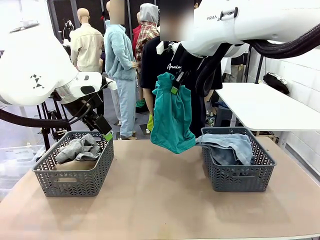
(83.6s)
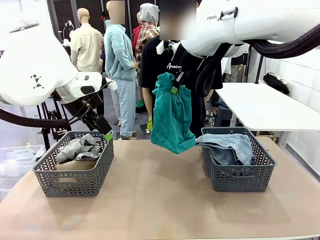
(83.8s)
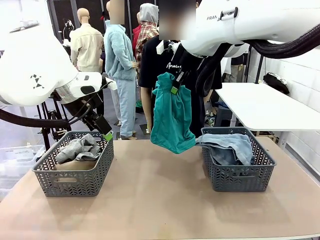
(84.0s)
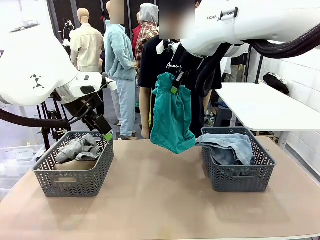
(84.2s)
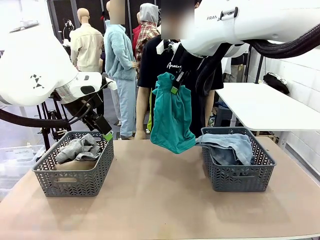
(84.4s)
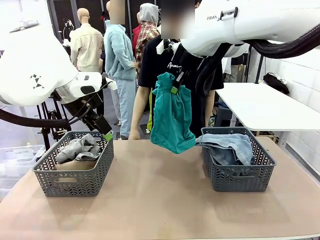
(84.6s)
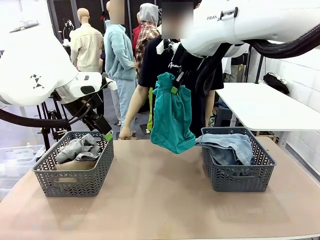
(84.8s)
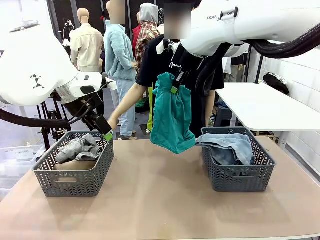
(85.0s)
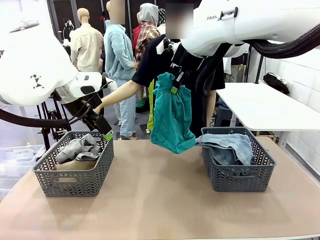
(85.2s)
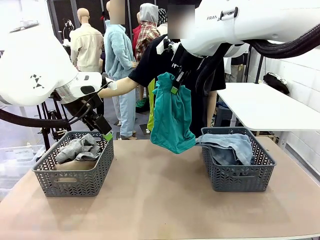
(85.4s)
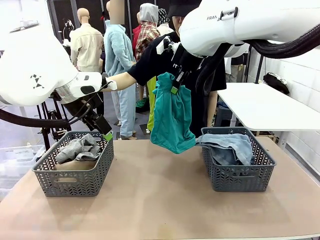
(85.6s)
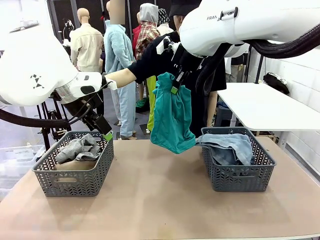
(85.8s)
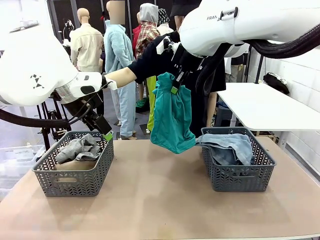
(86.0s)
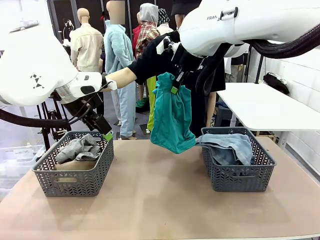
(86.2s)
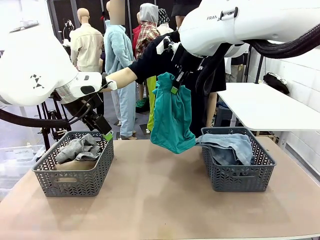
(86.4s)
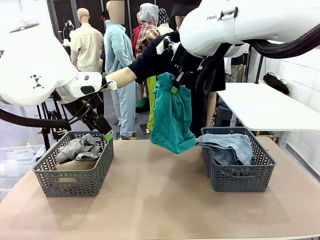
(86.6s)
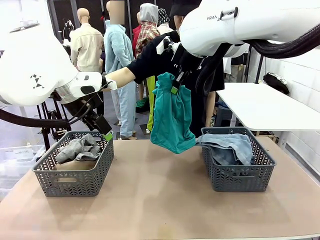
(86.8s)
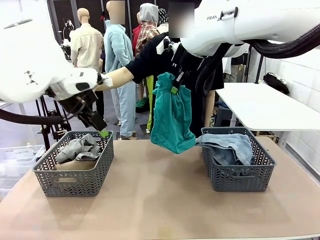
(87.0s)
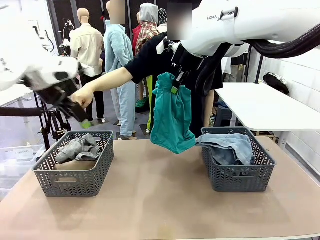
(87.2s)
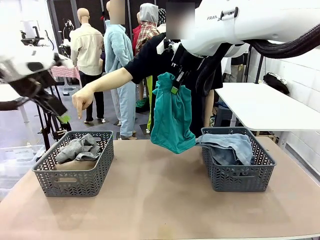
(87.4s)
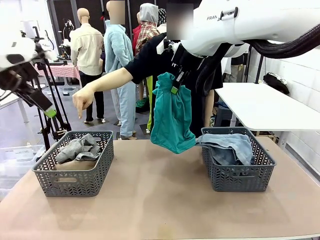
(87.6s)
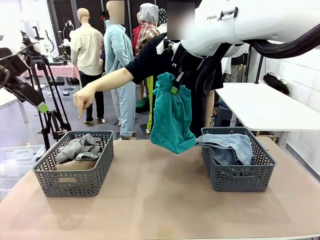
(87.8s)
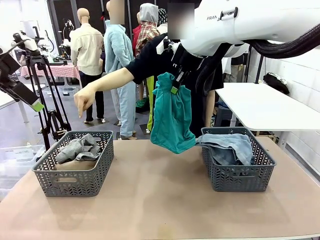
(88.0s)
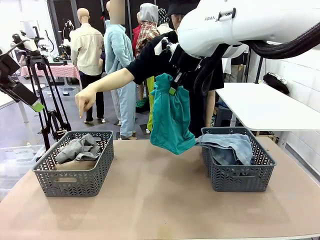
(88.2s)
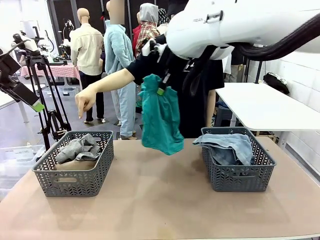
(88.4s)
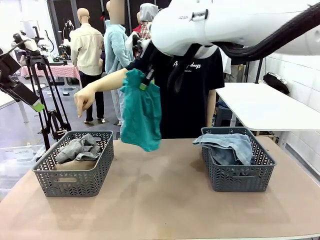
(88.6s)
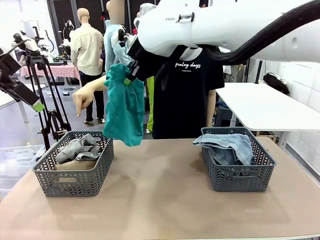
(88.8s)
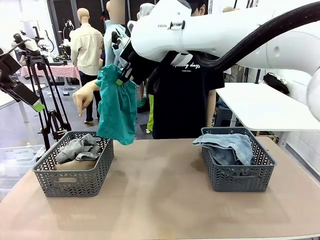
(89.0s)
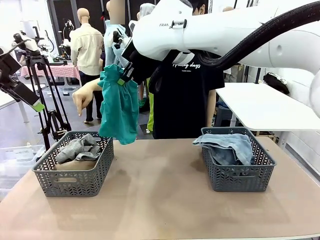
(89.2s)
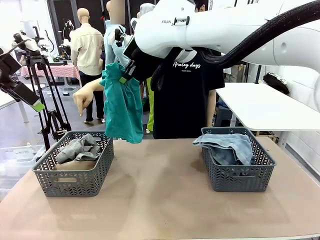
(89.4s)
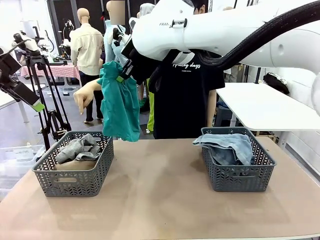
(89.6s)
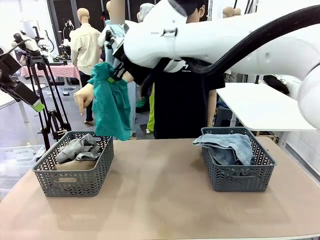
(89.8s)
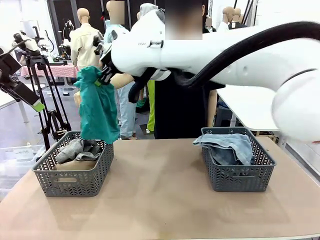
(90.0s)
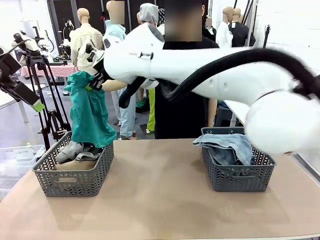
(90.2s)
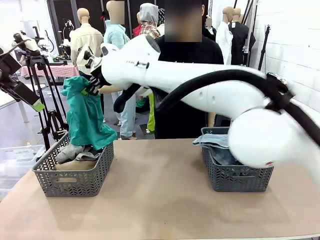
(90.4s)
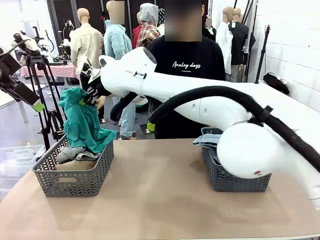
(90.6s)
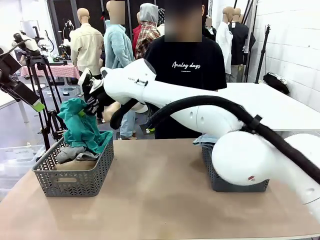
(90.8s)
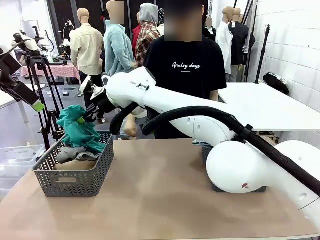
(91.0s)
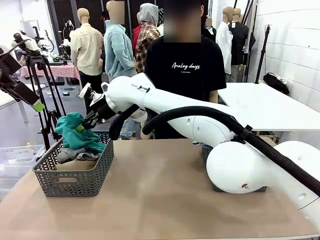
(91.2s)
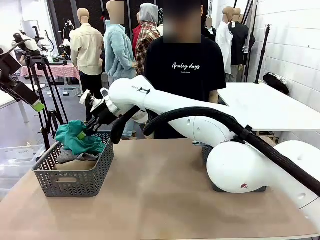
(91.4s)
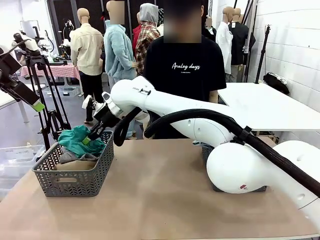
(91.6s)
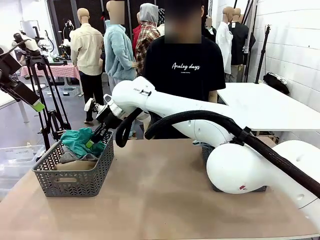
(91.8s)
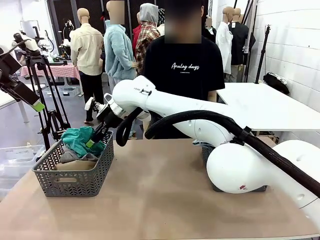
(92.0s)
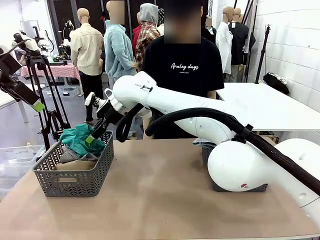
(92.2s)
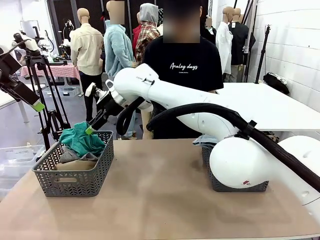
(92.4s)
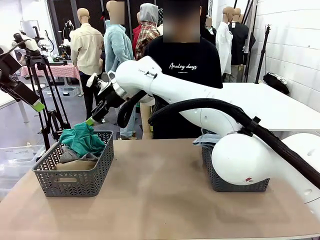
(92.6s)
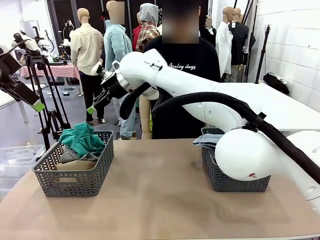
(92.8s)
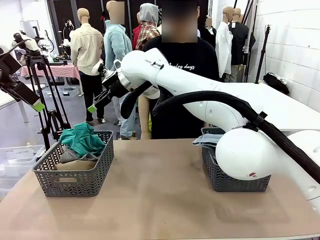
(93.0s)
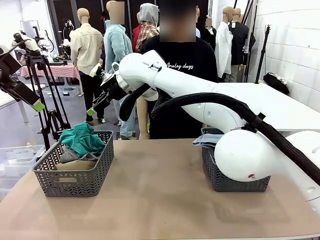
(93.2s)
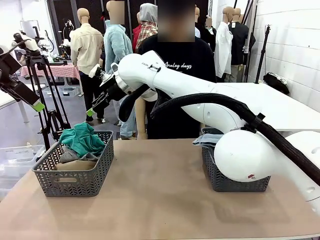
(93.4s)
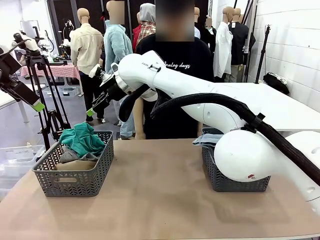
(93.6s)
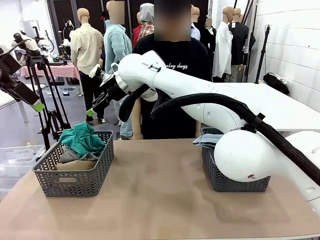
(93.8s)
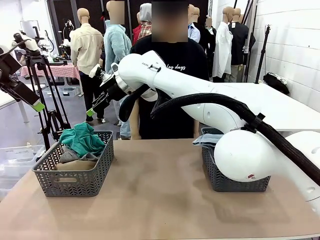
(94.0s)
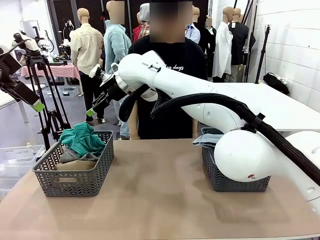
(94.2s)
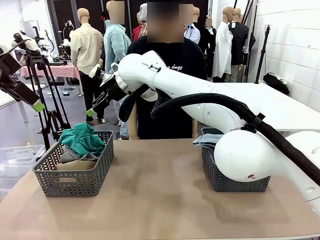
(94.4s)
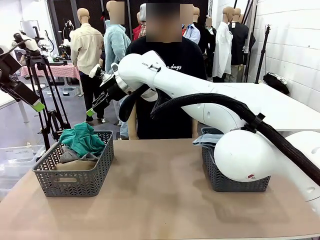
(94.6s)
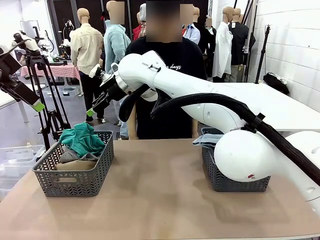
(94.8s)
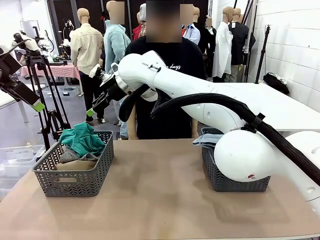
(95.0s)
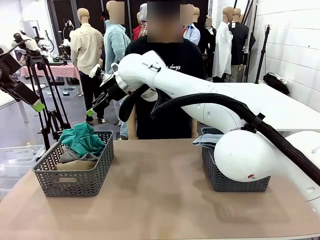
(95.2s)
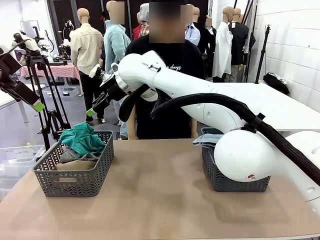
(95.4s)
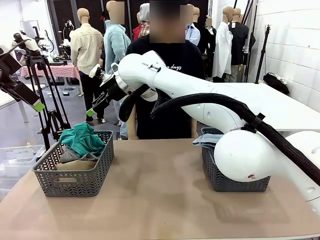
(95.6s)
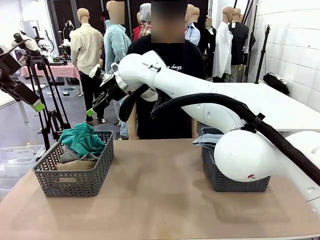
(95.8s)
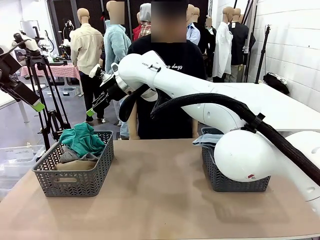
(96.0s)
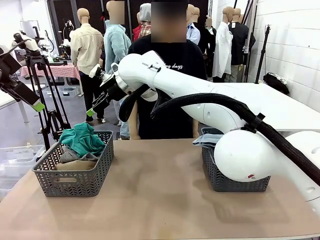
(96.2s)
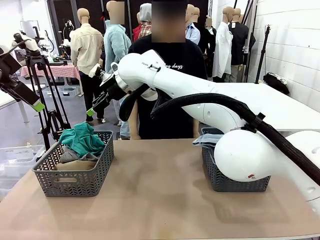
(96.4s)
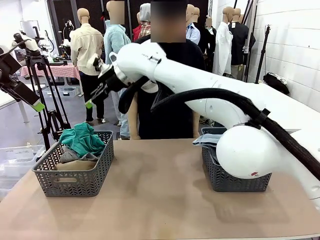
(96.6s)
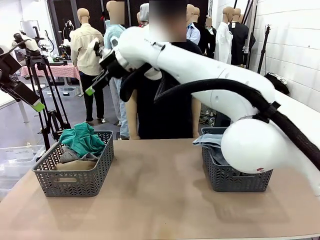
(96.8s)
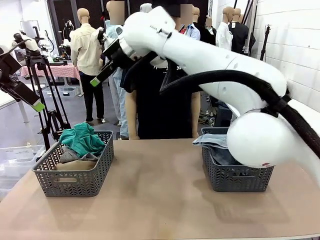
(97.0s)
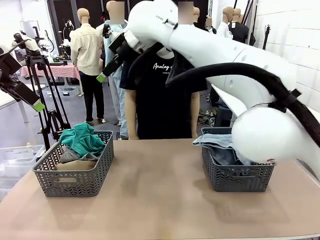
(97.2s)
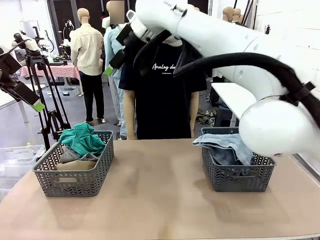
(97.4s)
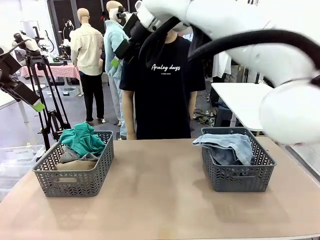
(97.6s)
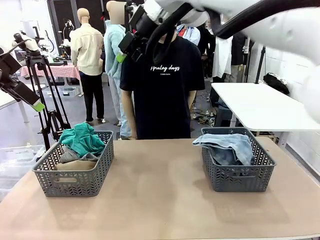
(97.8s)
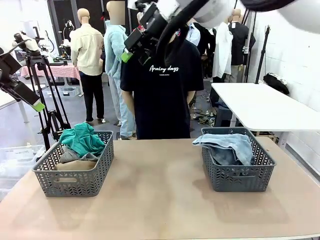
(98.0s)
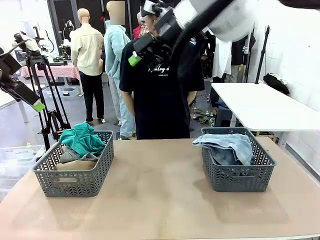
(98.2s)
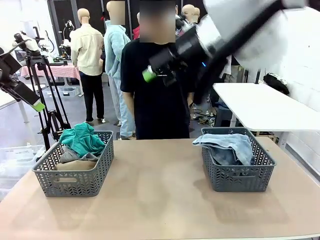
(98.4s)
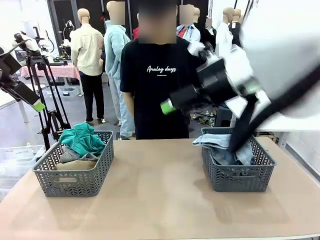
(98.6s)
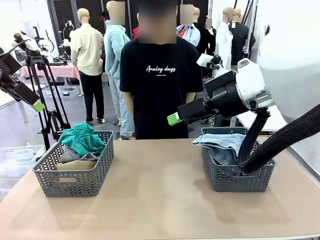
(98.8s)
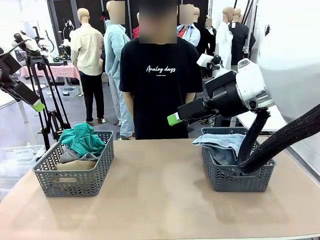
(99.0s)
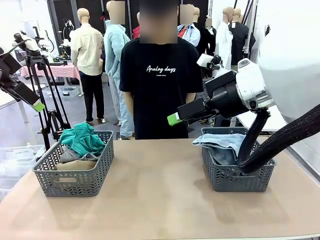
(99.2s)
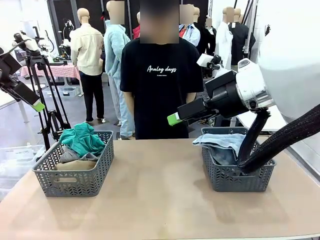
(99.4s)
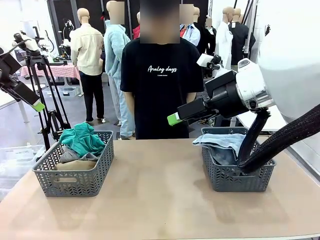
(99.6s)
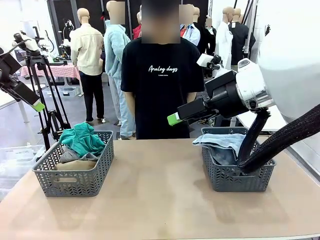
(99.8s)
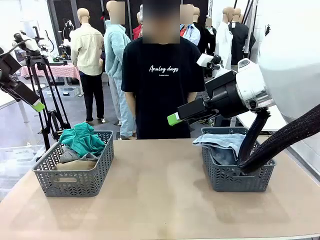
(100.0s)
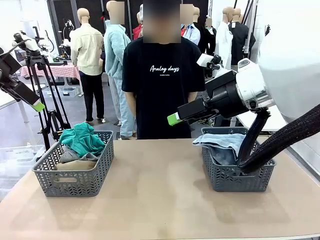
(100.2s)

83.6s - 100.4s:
Task: Sort the tops and bottoms.
Robot: Sort the clothes according to human instructions.
